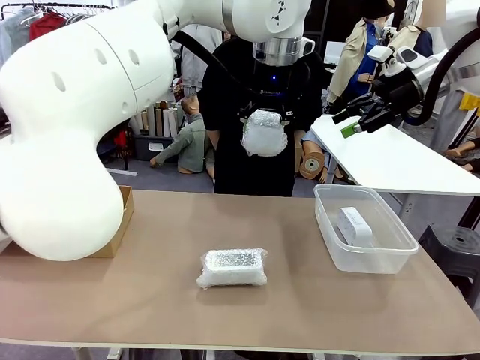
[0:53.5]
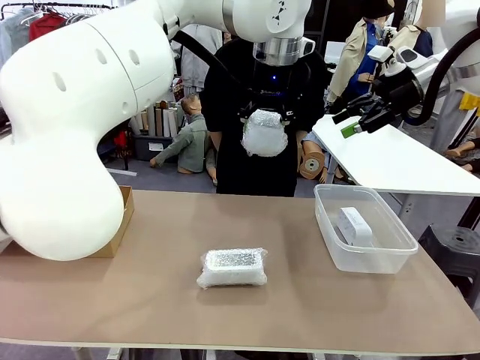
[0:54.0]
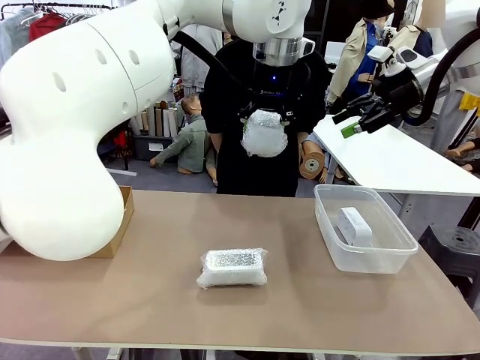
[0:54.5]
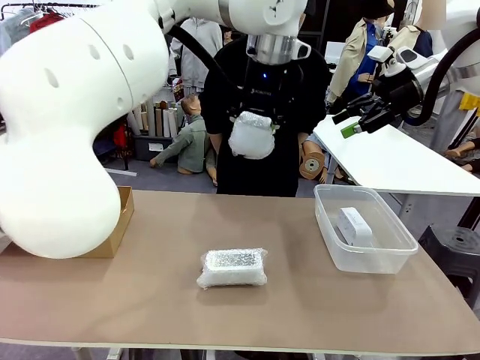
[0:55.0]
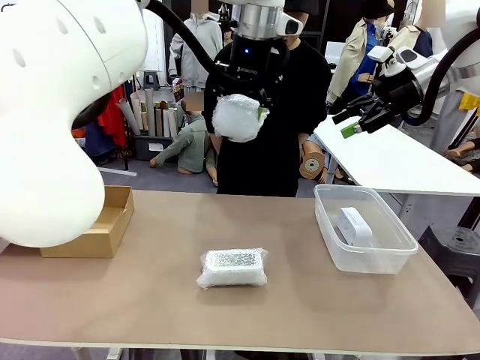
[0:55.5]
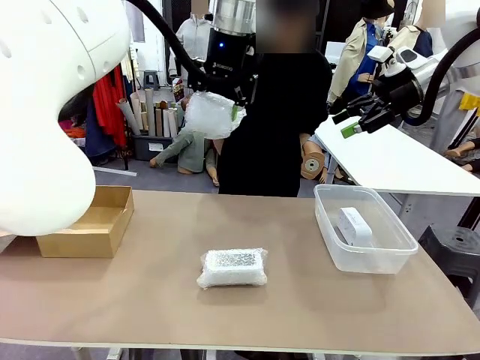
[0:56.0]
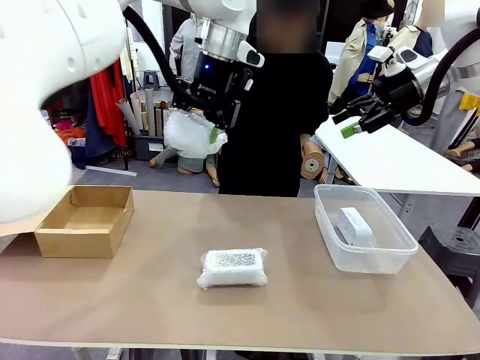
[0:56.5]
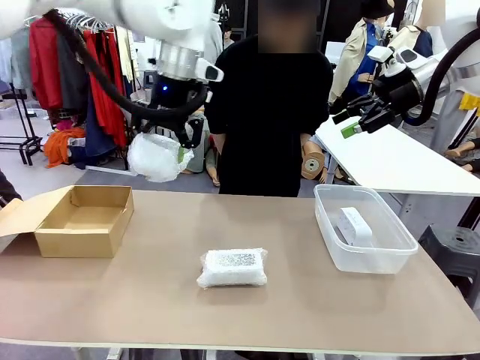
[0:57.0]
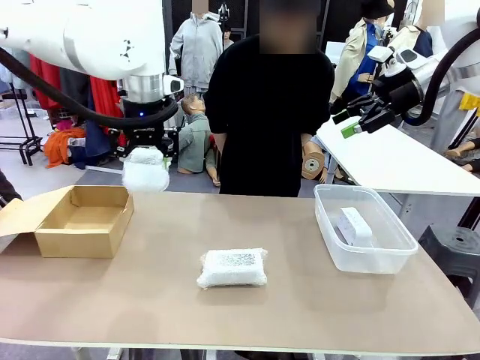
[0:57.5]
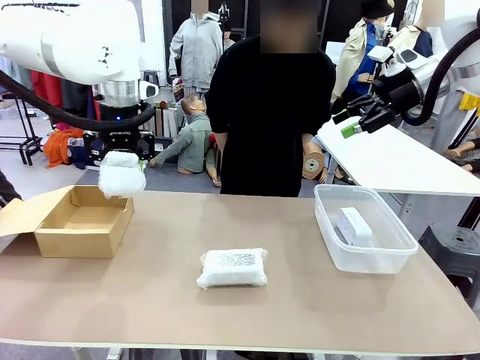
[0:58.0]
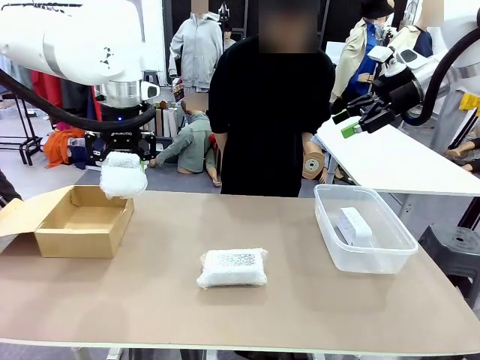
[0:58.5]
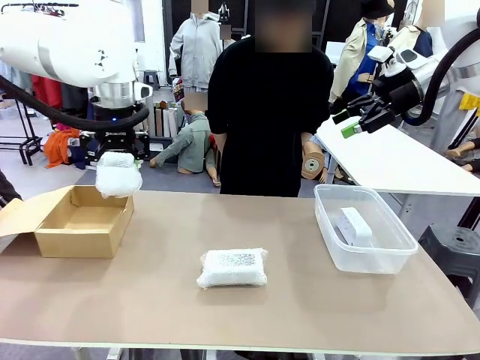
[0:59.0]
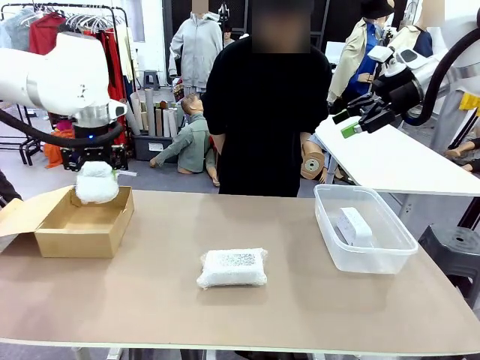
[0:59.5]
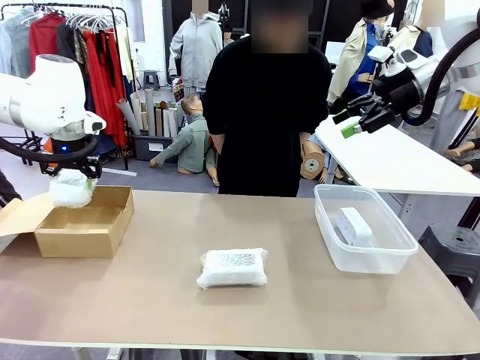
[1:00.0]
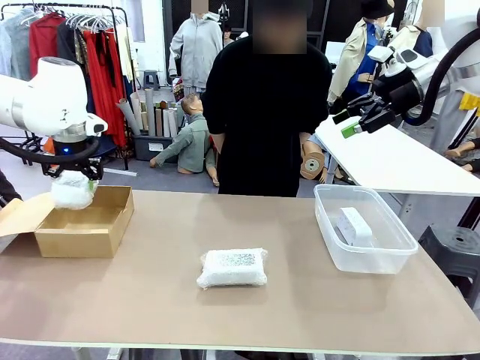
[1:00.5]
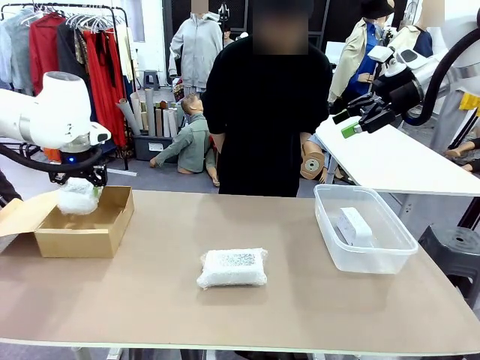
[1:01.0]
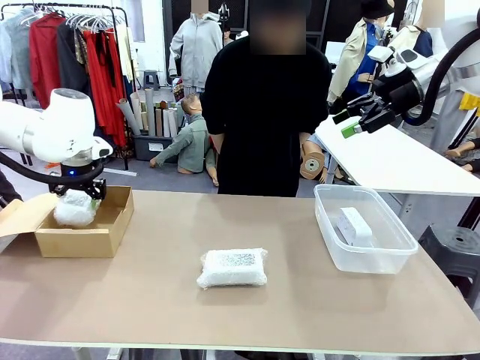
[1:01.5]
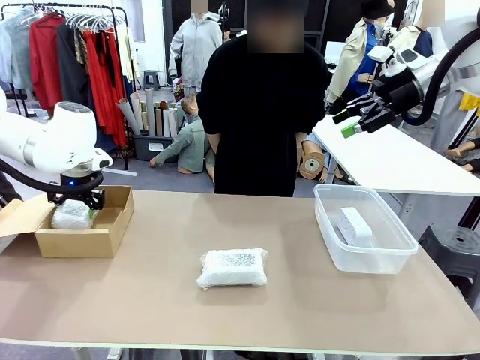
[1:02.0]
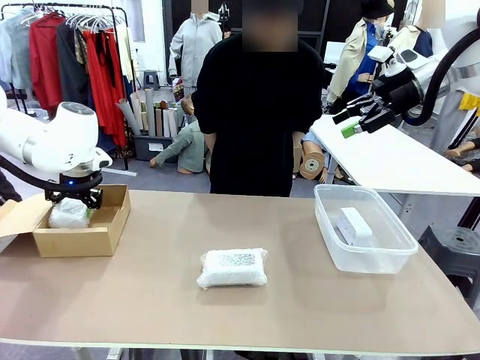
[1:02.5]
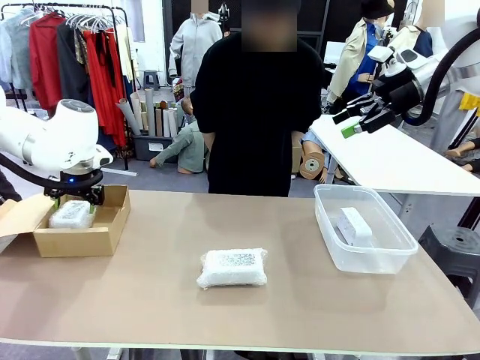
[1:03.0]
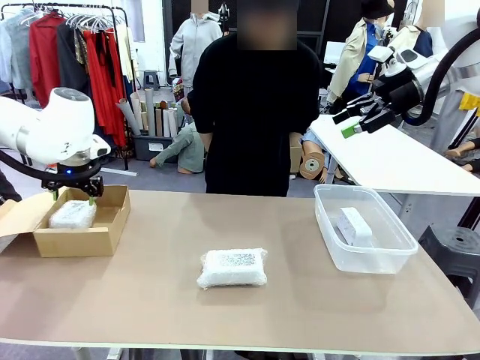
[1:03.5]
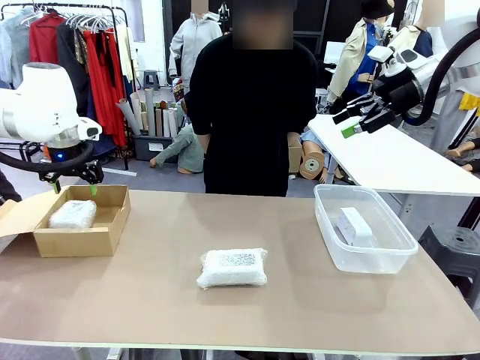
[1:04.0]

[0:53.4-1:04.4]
Task: Separate and place wrapped and unwrapped clocks.
Robot: If the picked Digital clock is wrapped, place it in the Package Box ; if not, place it in the Organizing box.

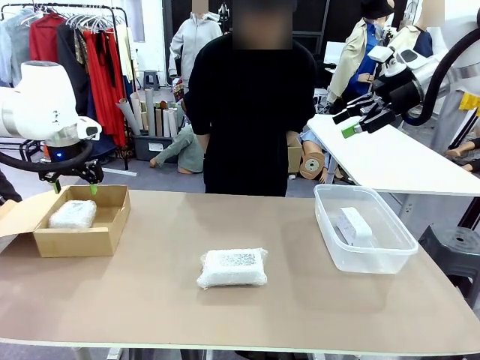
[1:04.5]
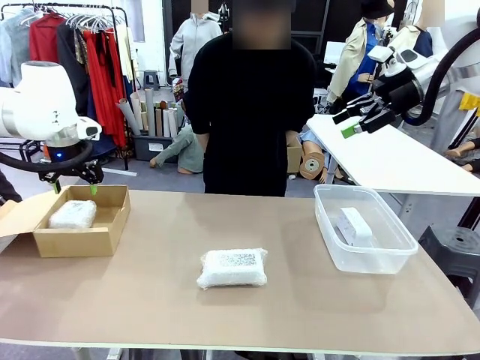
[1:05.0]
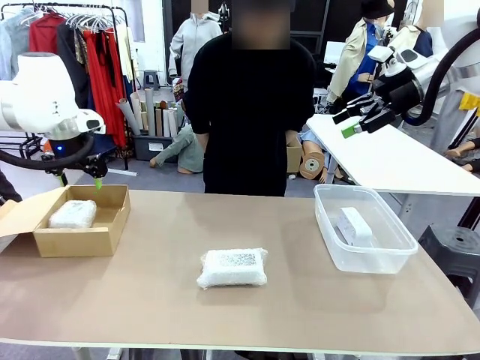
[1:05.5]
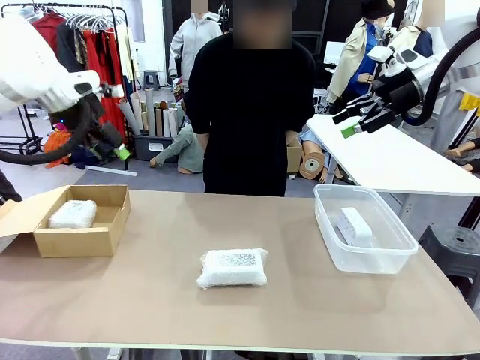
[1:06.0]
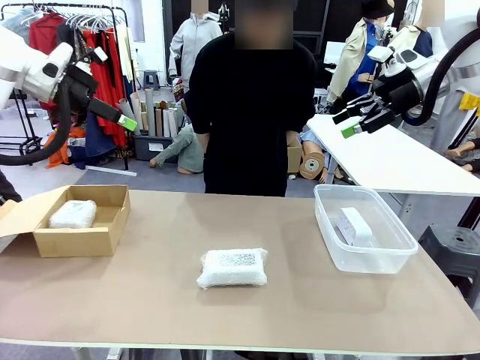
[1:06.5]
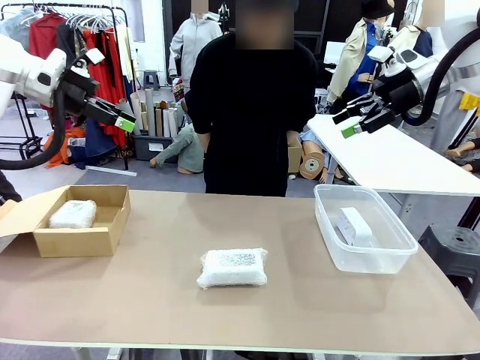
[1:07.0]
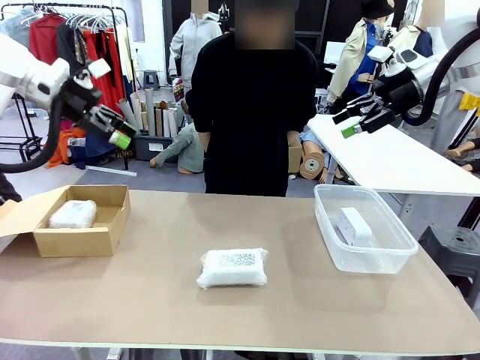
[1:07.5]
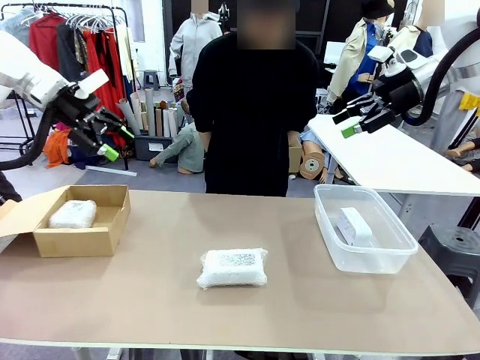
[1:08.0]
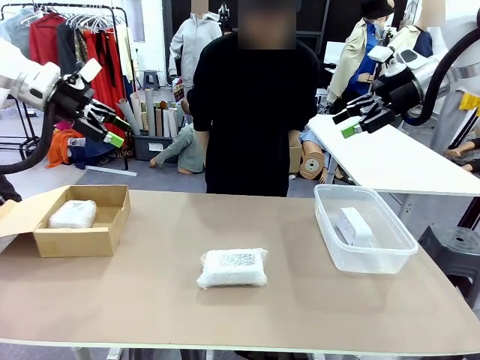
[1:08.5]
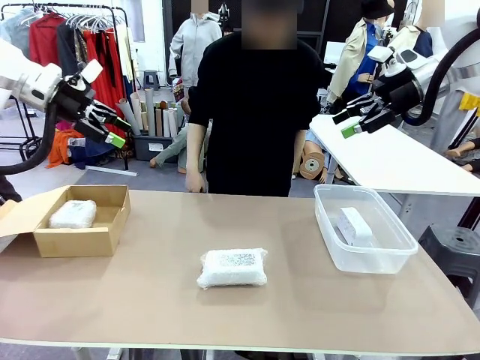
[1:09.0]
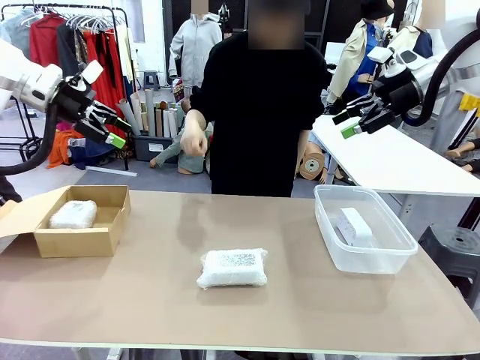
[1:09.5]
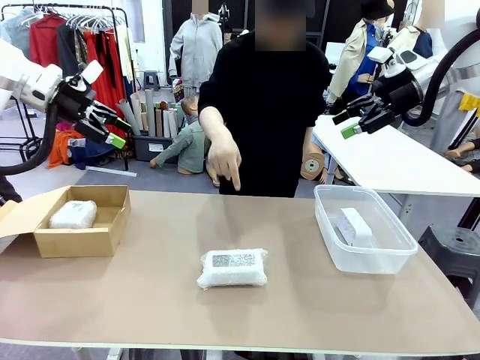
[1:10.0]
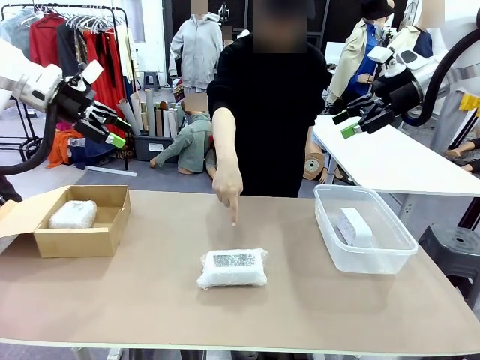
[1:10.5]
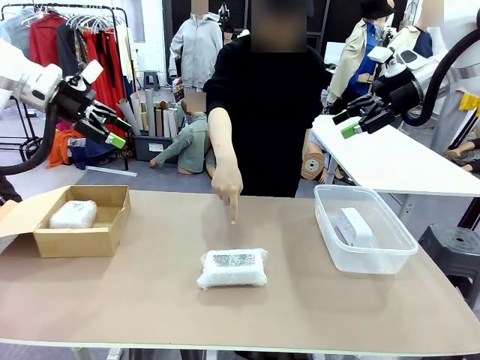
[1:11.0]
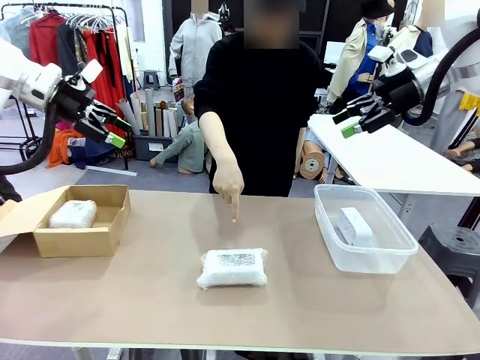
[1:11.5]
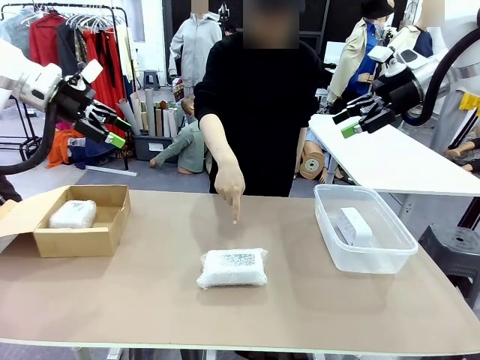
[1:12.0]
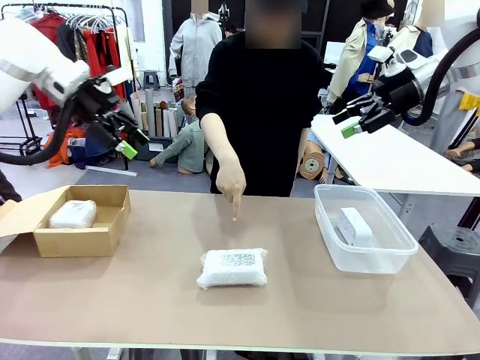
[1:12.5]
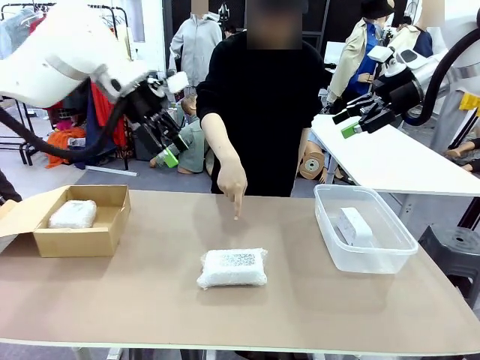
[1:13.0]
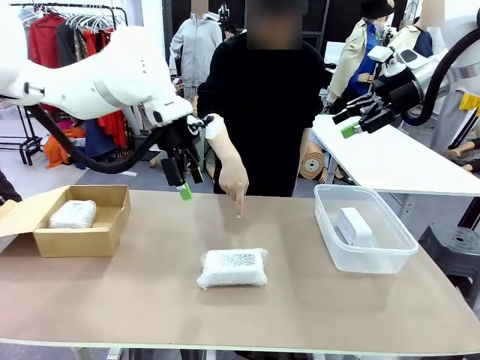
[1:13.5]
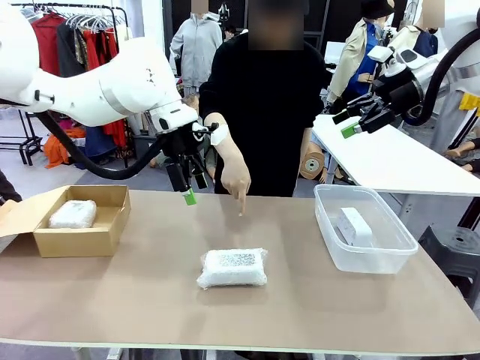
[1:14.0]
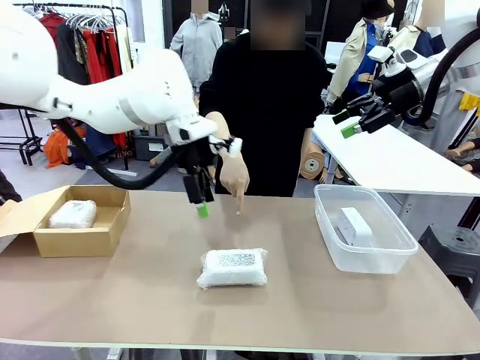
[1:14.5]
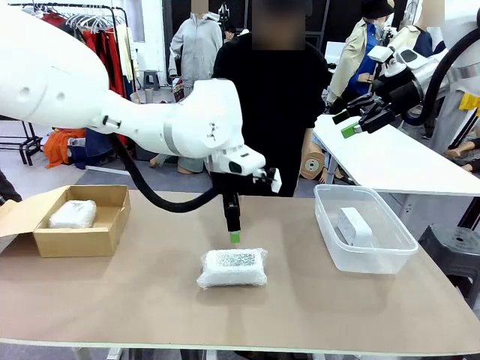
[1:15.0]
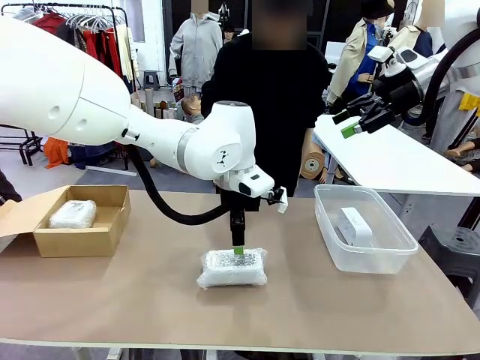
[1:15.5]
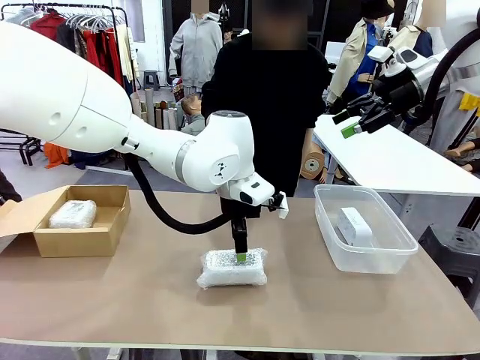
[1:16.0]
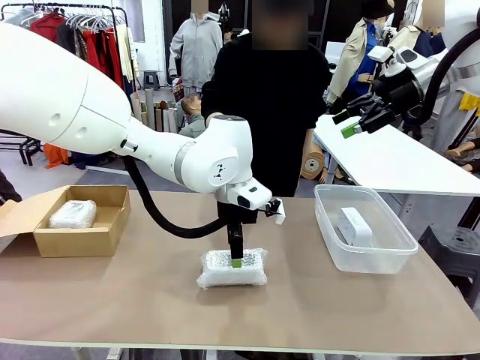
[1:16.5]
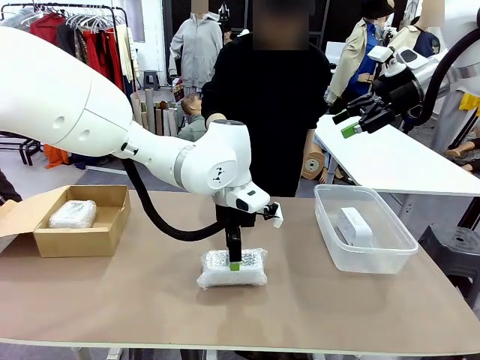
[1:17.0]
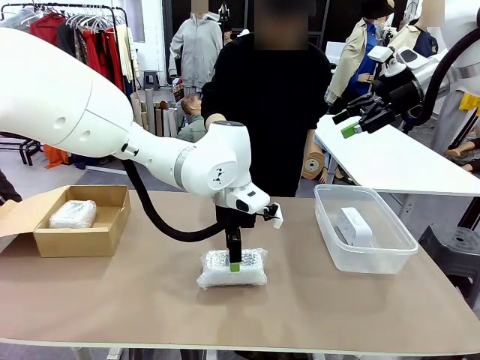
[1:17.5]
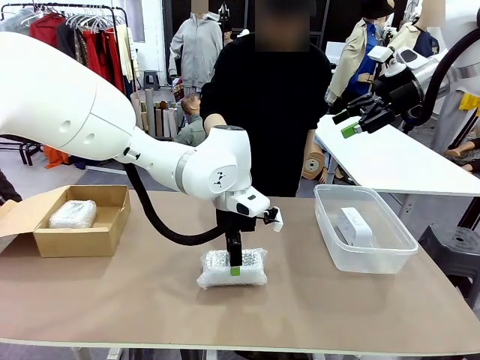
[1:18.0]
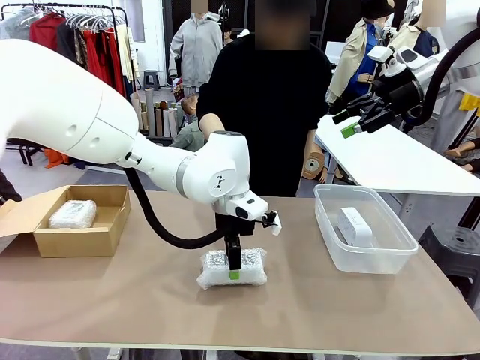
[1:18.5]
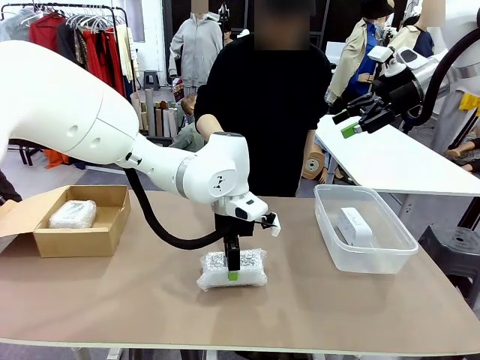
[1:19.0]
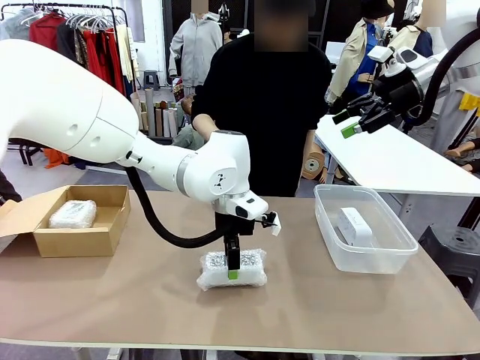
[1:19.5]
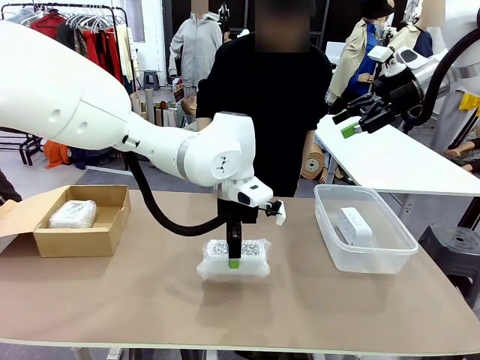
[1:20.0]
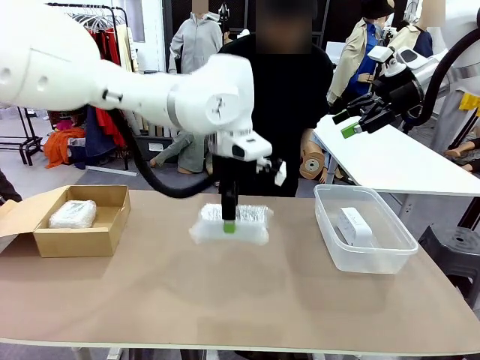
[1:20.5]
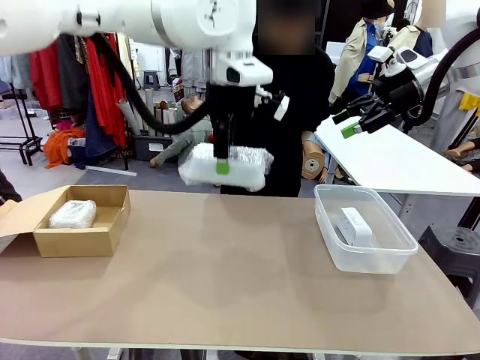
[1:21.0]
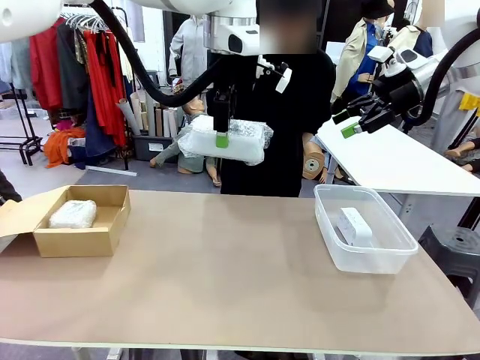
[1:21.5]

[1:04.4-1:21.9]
Robot: Pick up the Digital clock indicated by the person.
